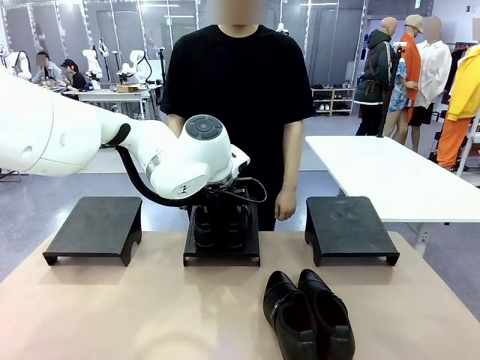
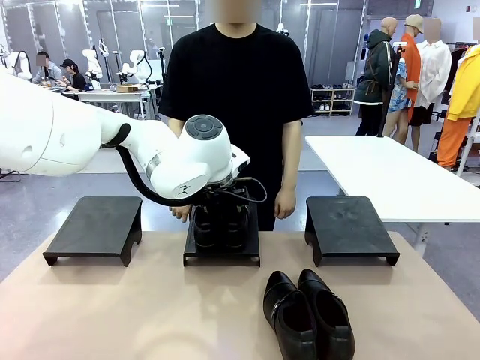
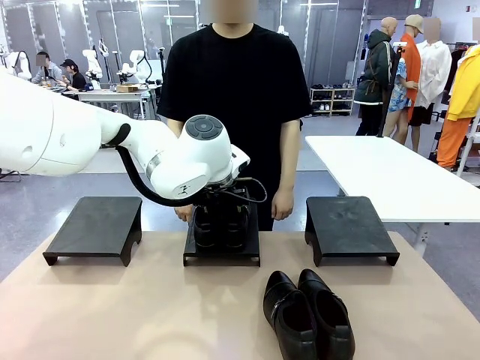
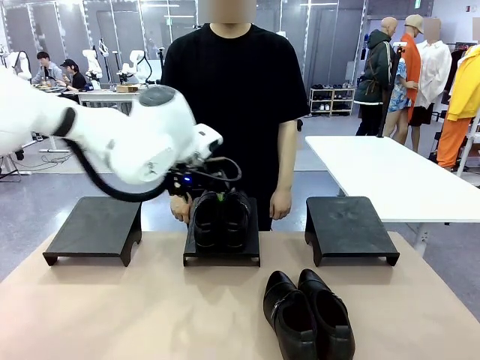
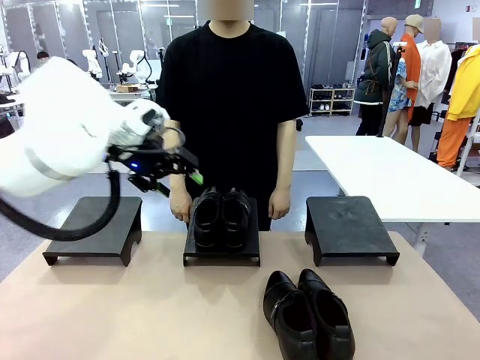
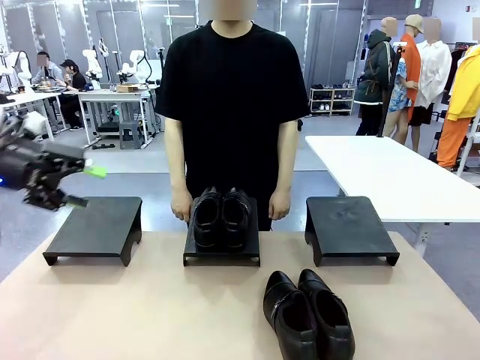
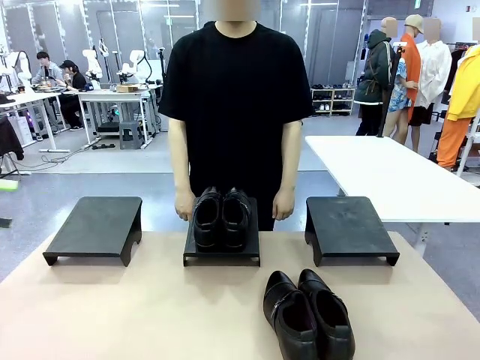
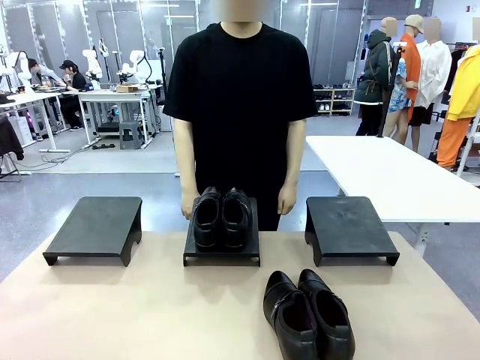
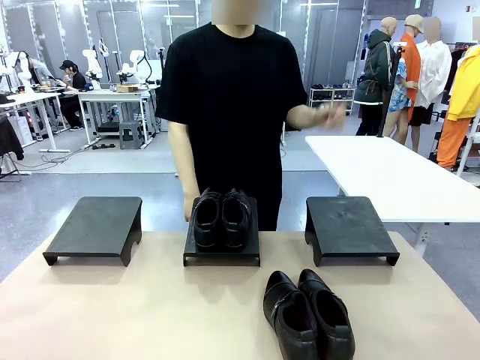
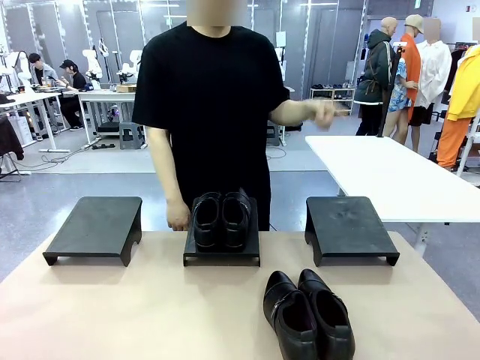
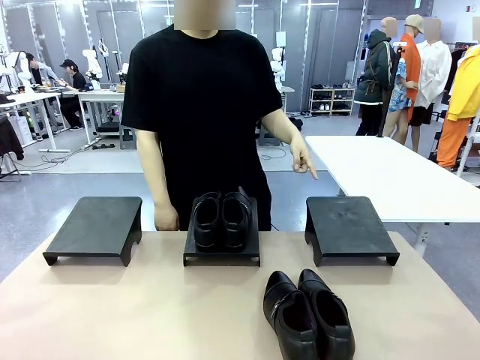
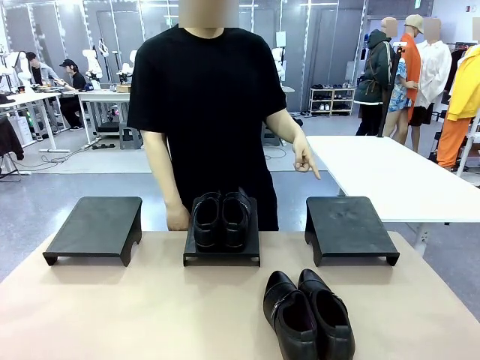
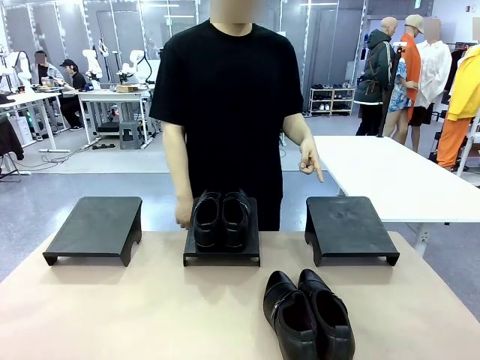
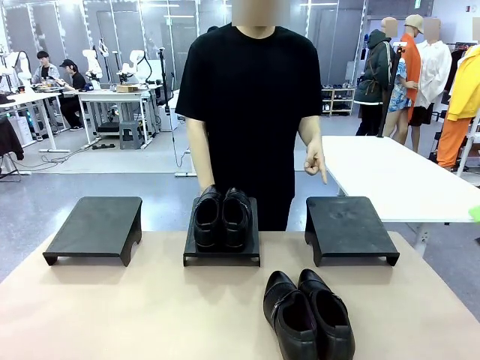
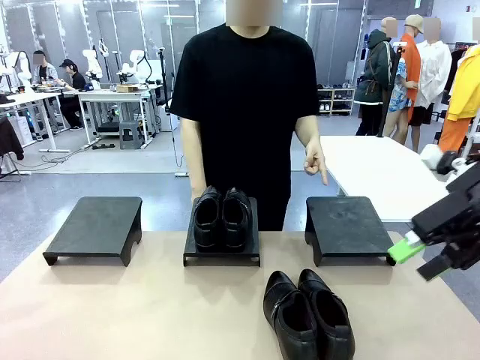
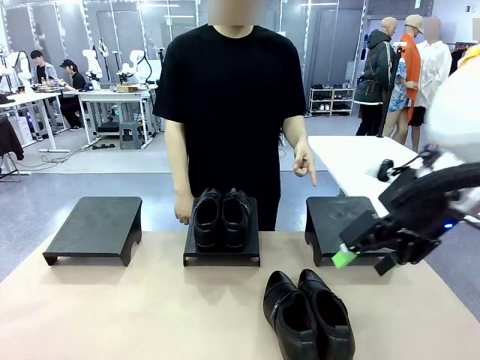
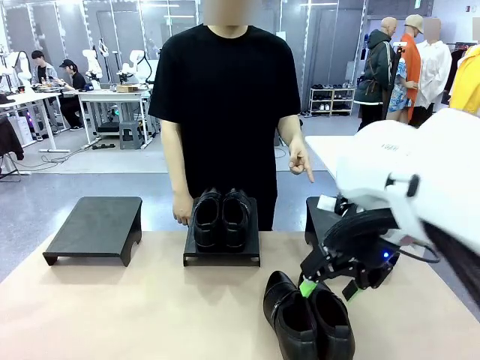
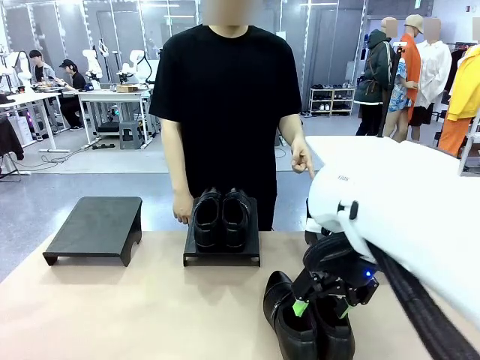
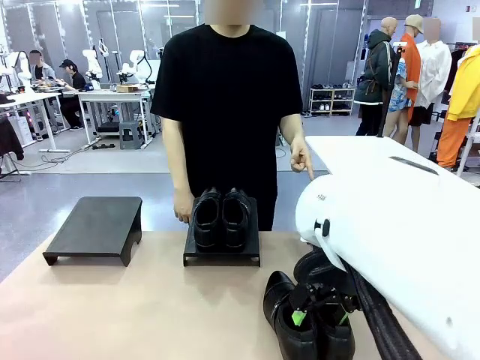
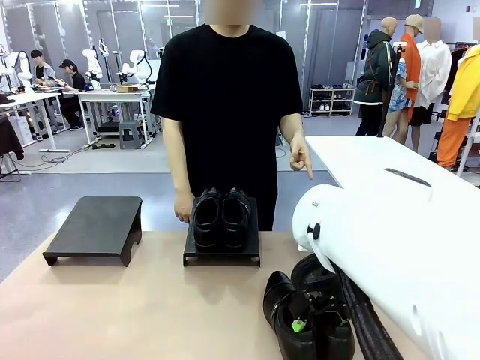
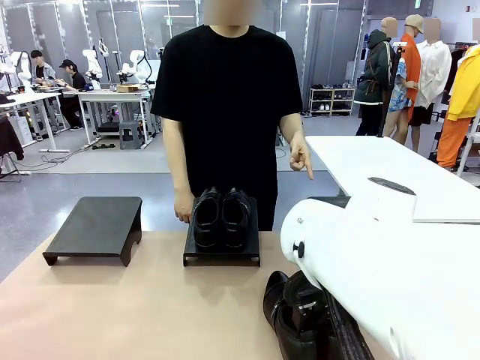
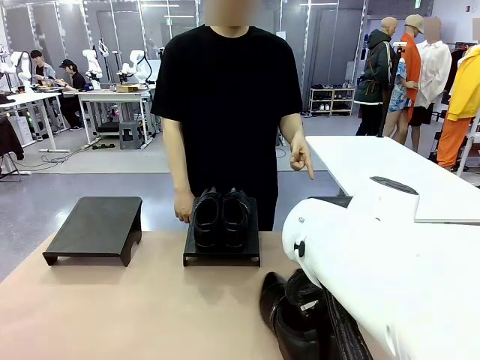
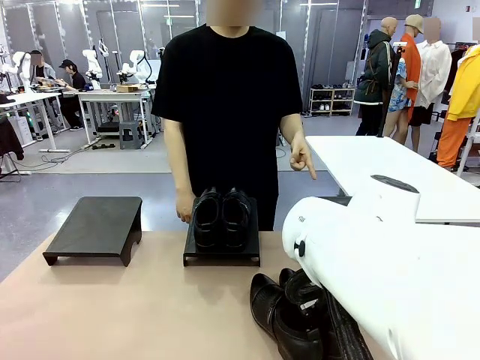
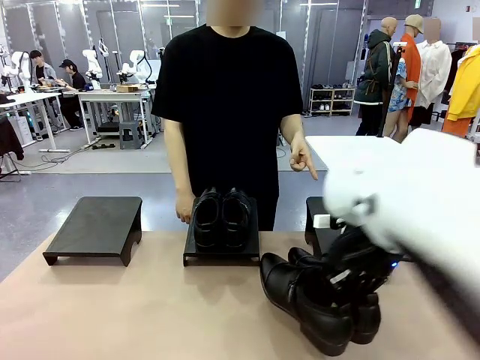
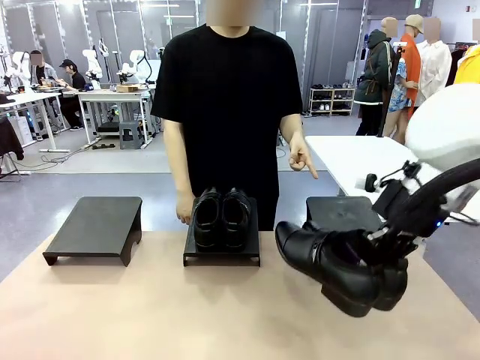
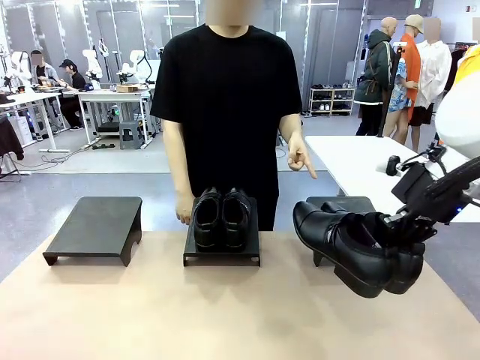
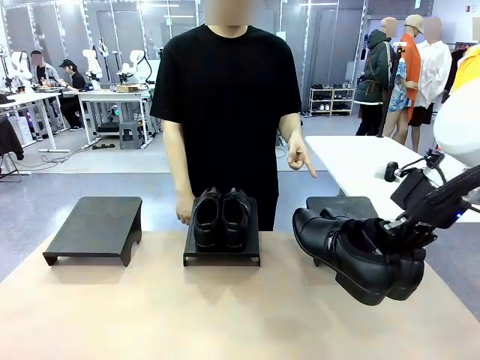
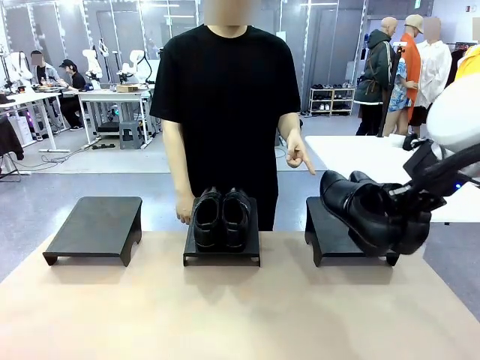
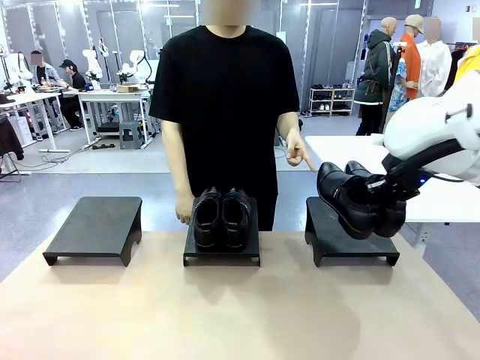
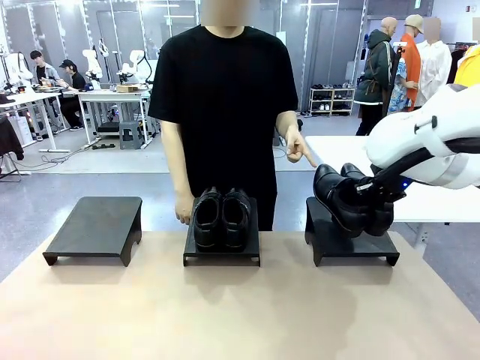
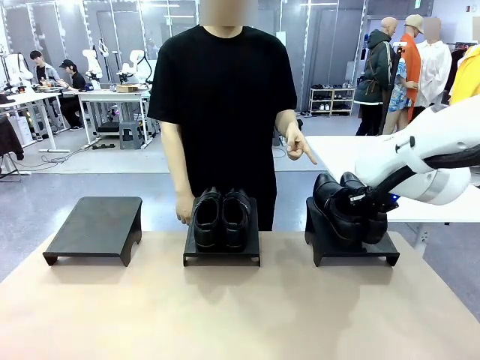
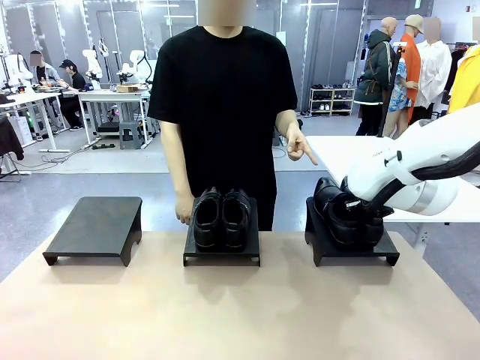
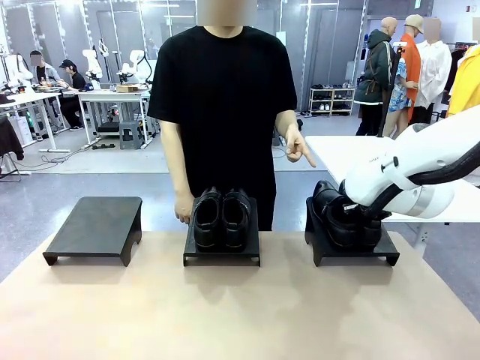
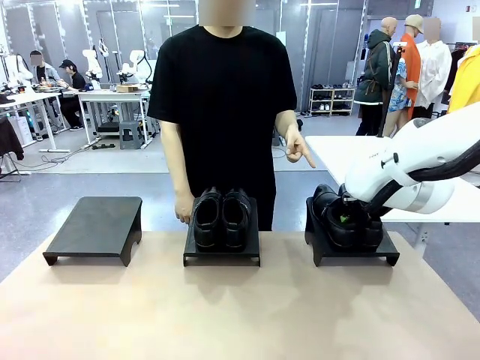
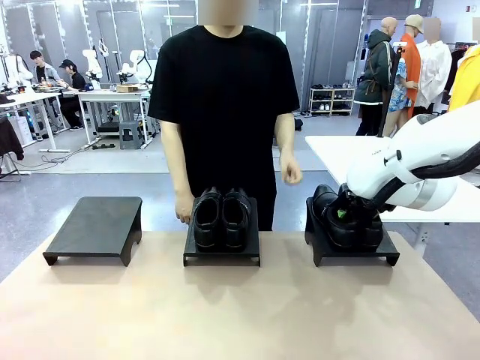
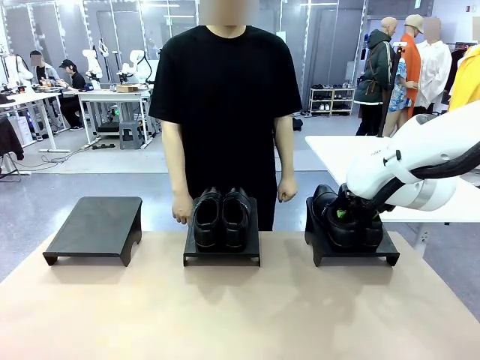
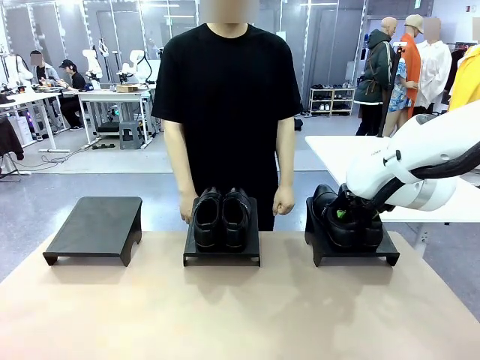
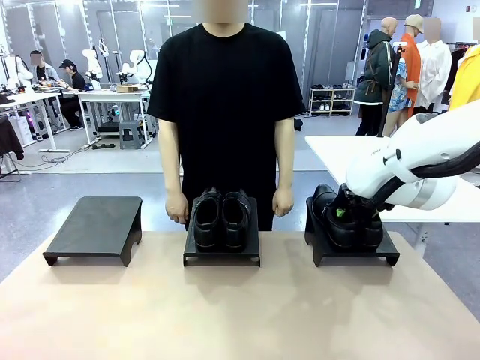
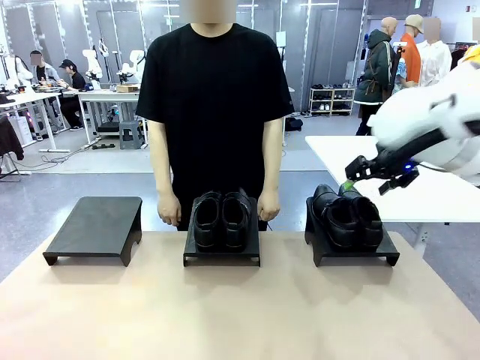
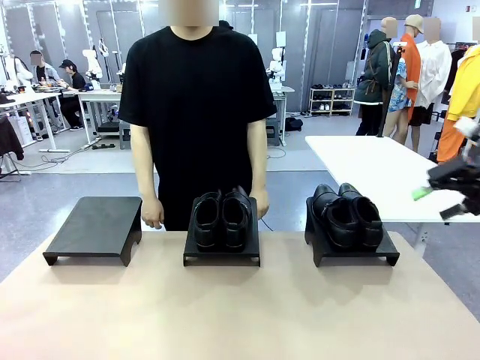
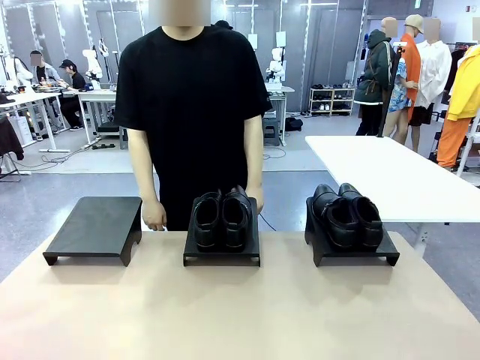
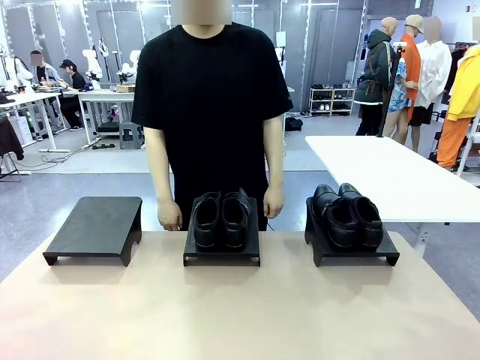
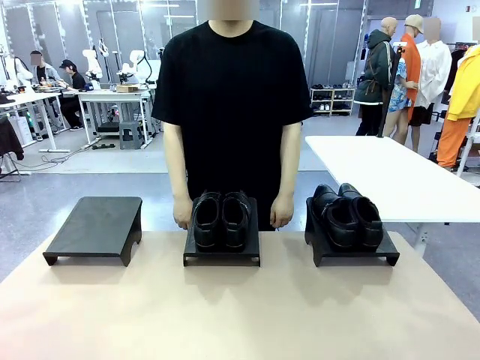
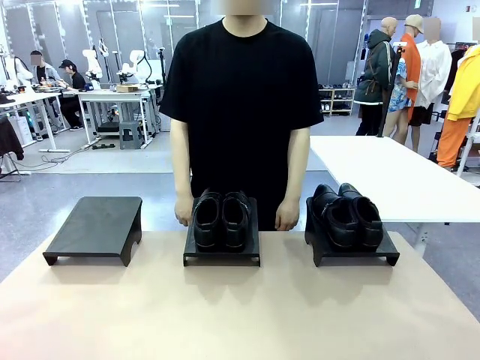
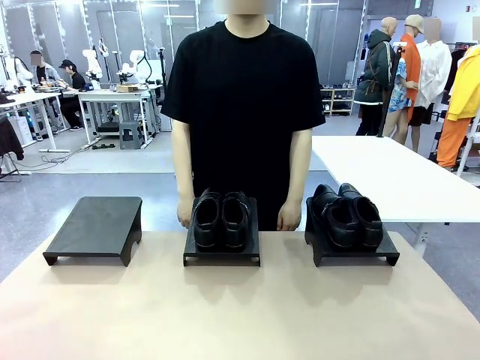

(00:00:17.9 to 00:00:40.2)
Task: Place the shoes on the stand as instructed by the person.
Robot: Pick up another pair of Shoes and place it on the Shoes Stand indicated by the person.
Person: Point to one Shoes Stand.
